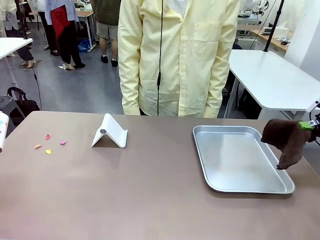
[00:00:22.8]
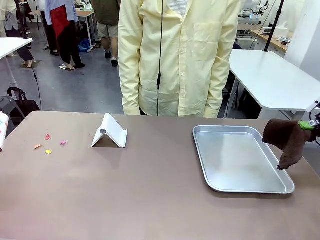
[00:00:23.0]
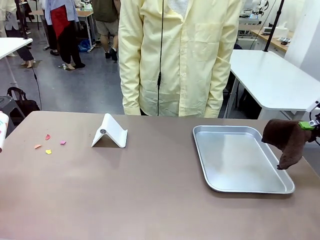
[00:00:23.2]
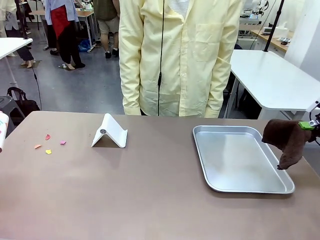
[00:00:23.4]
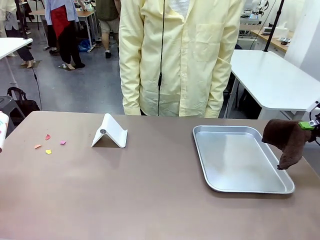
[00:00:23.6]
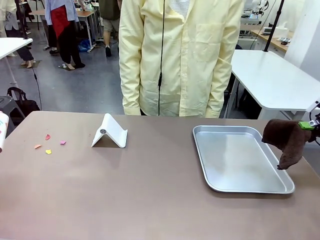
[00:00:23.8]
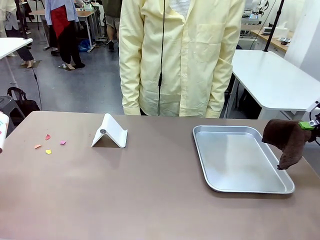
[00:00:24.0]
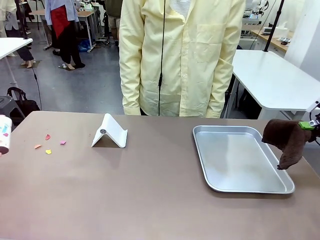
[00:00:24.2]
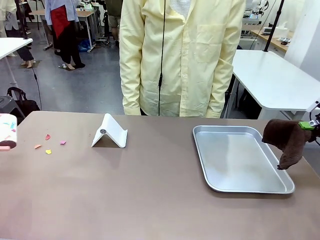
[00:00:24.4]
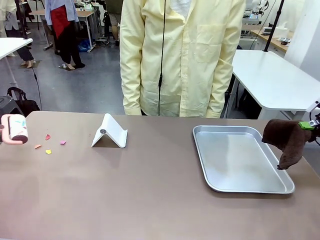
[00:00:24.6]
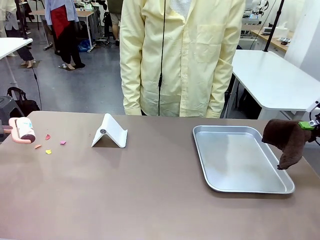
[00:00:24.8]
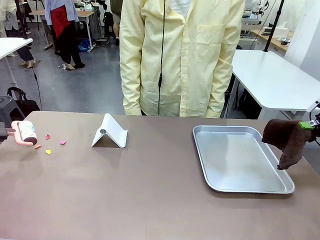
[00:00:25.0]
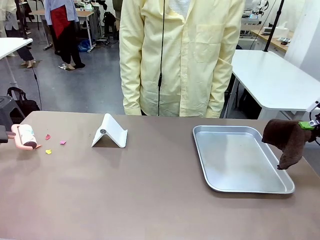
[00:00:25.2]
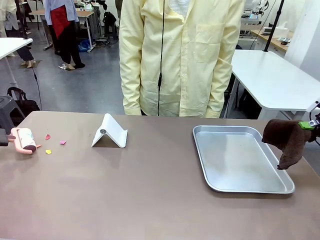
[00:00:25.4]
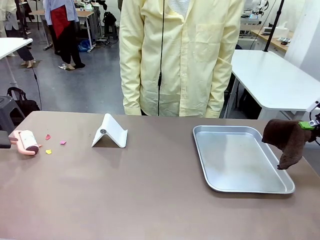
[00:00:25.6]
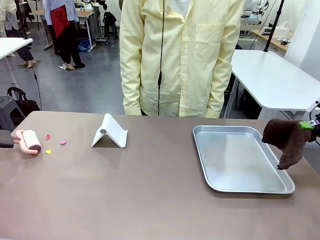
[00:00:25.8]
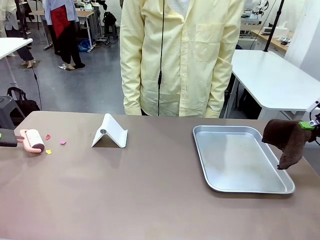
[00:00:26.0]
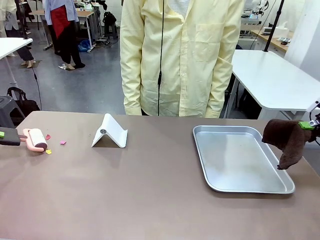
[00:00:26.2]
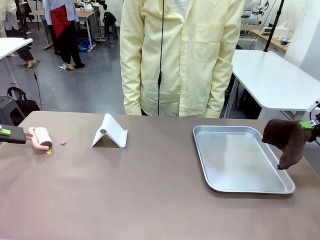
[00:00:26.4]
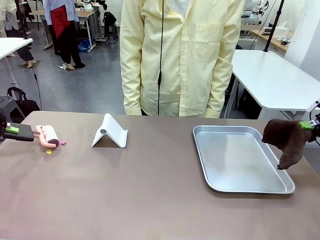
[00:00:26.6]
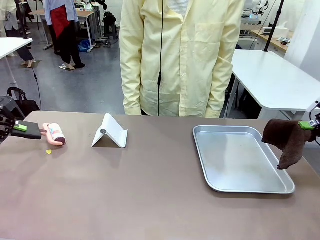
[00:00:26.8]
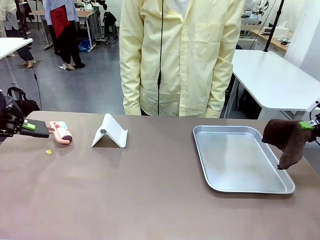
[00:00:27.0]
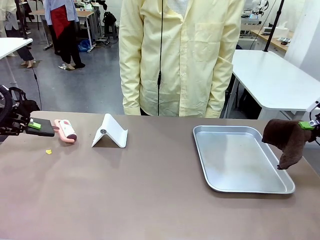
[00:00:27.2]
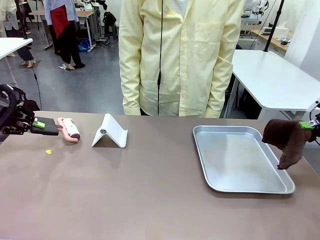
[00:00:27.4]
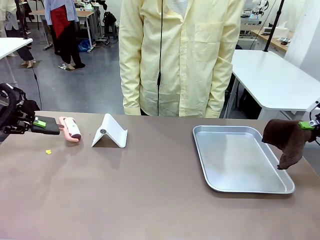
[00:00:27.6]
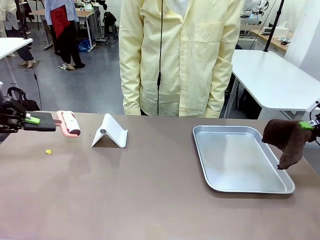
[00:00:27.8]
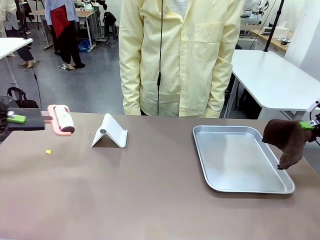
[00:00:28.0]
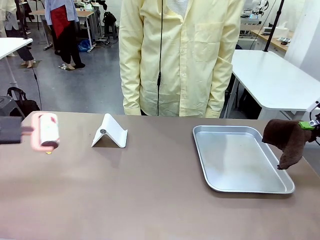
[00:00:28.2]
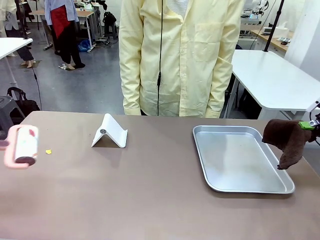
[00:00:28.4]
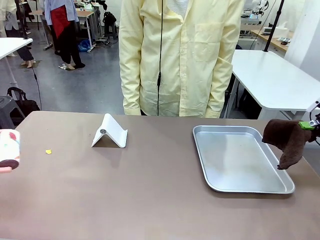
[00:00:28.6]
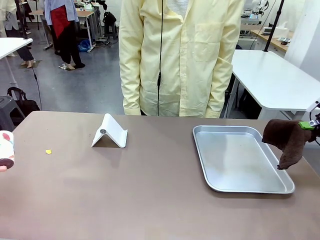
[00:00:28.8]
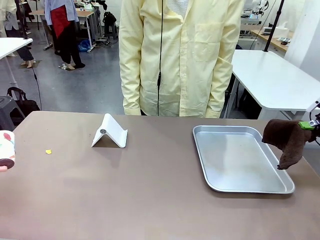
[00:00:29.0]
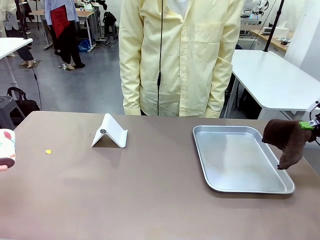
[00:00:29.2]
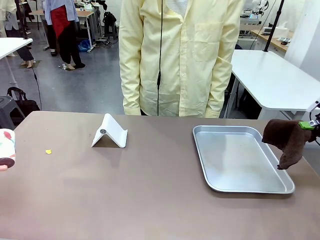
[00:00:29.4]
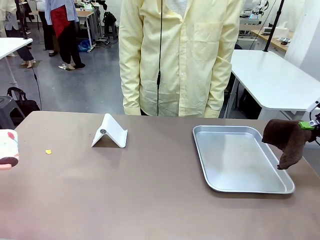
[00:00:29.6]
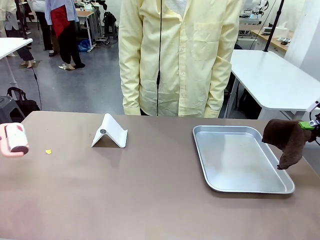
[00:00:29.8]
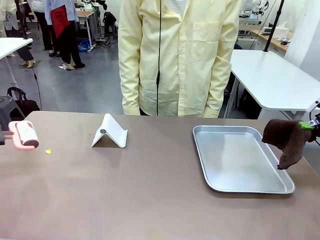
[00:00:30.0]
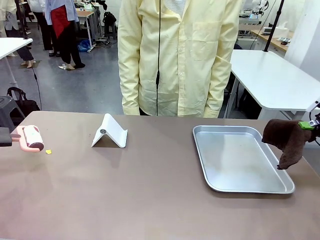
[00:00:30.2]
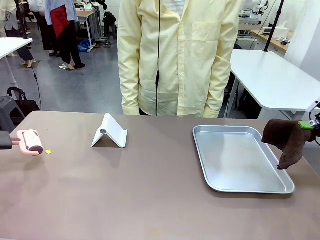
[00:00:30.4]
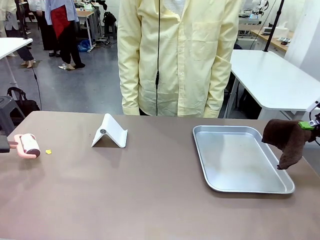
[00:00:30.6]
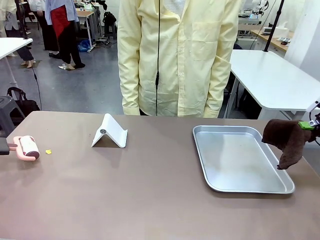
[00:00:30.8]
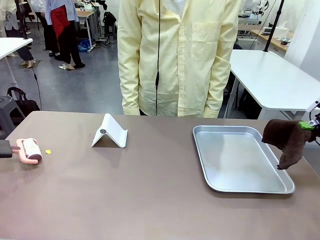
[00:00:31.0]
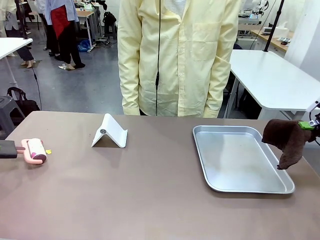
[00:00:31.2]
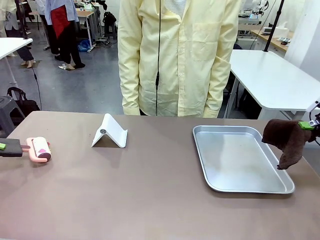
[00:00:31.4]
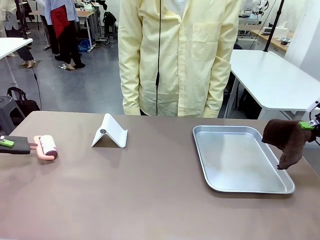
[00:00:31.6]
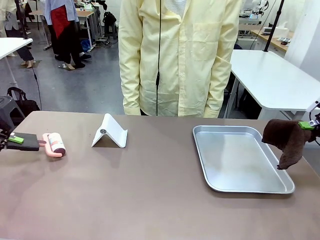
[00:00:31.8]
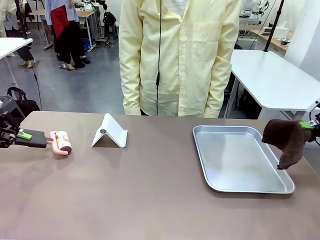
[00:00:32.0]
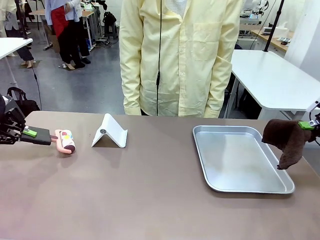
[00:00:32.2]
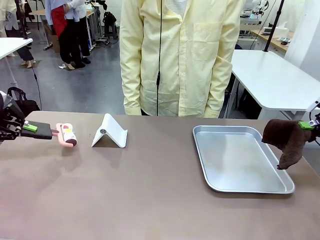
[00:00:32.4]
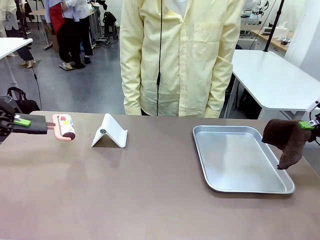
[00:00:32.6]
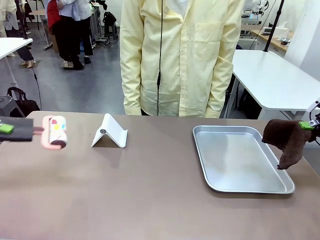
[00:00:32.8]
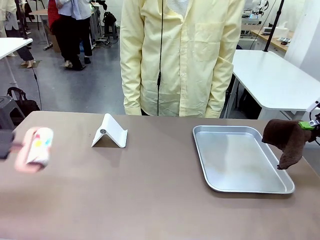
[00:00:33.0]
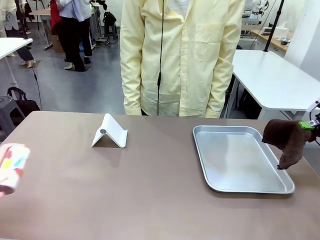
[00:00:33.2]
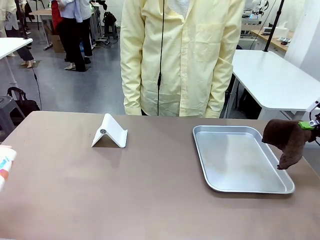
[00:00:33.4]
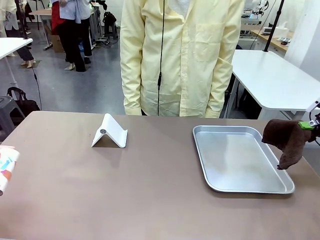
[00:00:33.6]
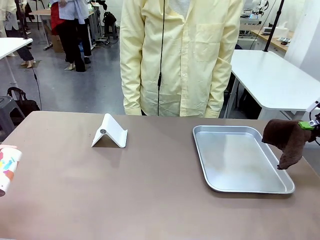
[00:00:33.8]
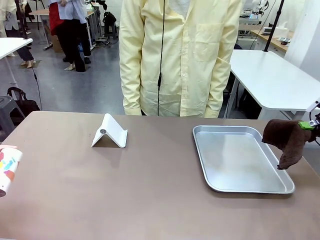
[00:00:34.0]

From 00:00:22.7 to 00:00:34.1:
Task: Clean the surface of the table.
Robot: Clean the area not pointed to by the person.

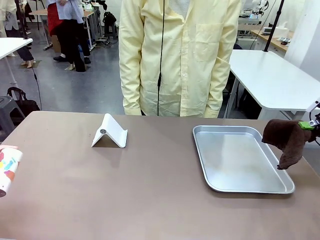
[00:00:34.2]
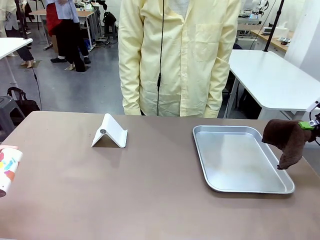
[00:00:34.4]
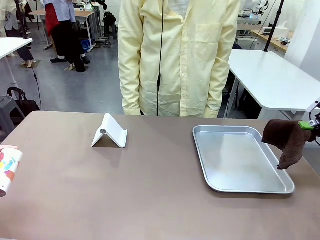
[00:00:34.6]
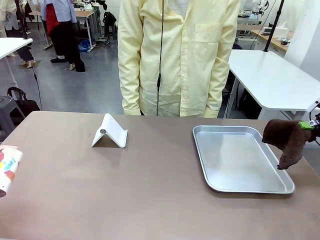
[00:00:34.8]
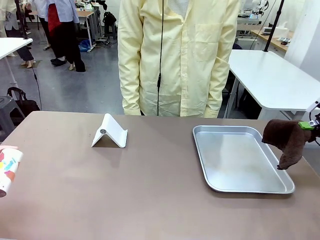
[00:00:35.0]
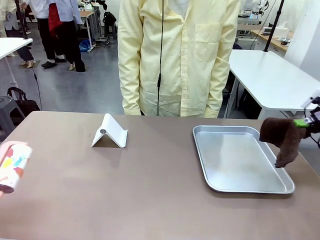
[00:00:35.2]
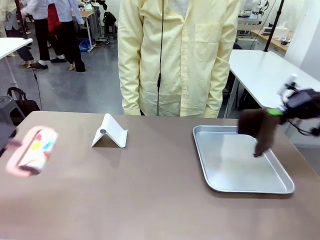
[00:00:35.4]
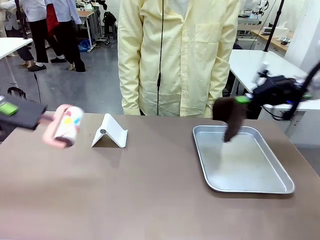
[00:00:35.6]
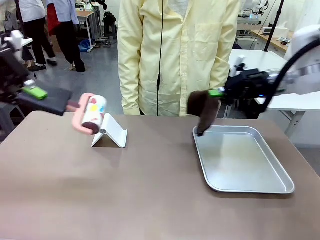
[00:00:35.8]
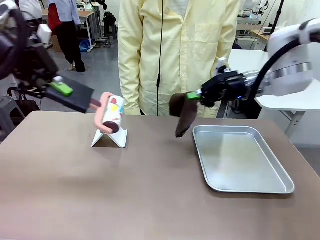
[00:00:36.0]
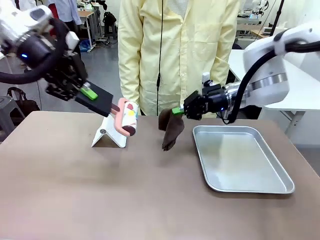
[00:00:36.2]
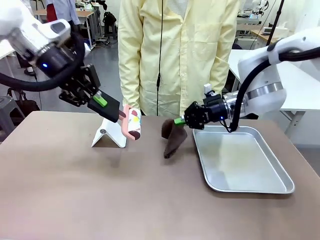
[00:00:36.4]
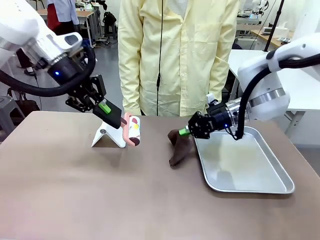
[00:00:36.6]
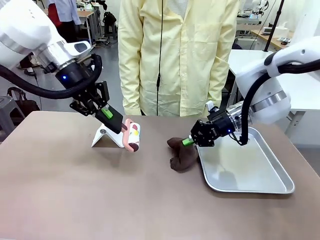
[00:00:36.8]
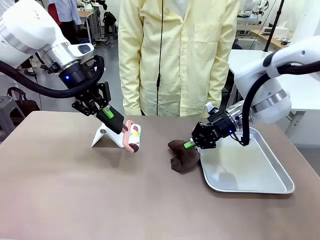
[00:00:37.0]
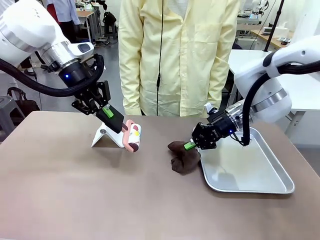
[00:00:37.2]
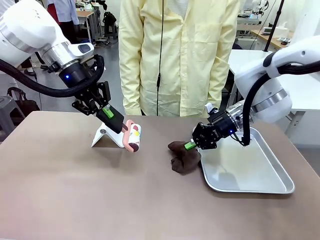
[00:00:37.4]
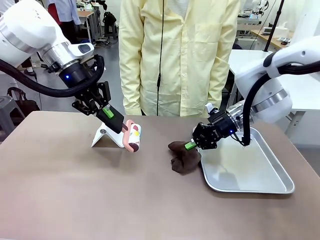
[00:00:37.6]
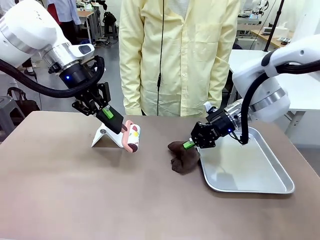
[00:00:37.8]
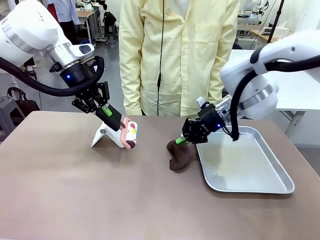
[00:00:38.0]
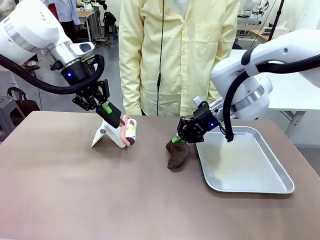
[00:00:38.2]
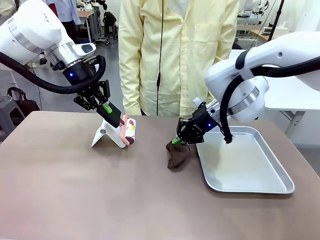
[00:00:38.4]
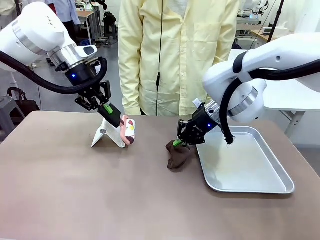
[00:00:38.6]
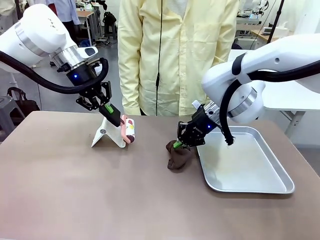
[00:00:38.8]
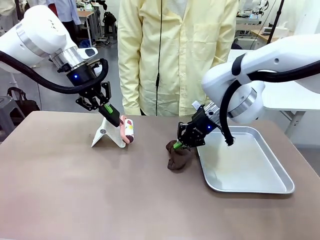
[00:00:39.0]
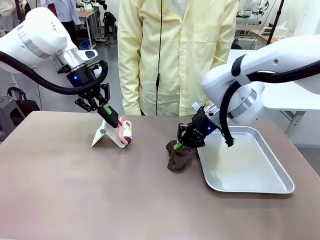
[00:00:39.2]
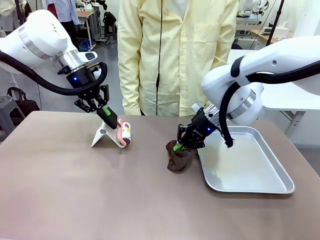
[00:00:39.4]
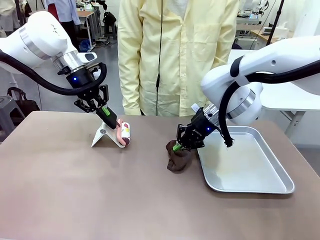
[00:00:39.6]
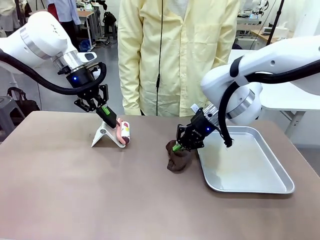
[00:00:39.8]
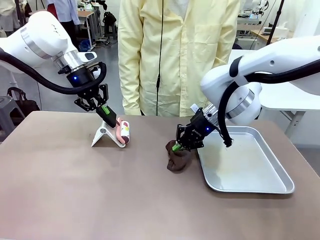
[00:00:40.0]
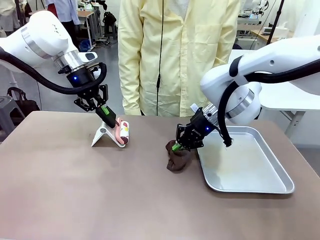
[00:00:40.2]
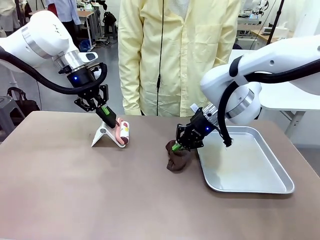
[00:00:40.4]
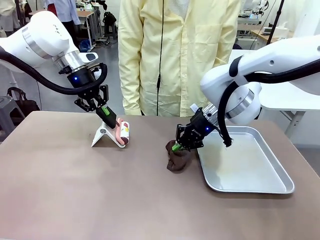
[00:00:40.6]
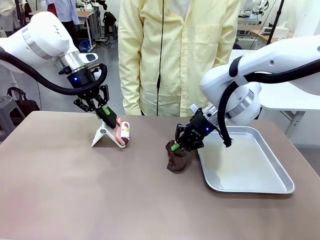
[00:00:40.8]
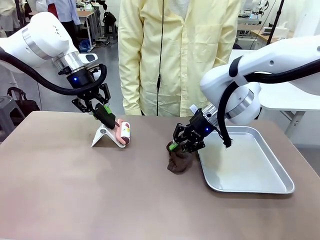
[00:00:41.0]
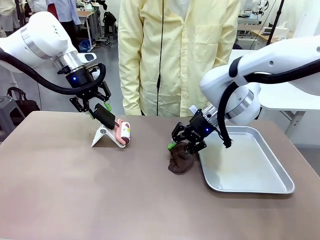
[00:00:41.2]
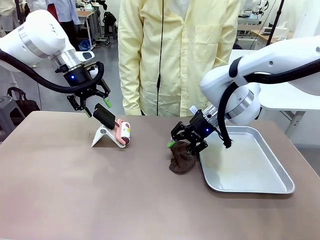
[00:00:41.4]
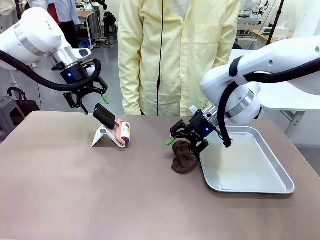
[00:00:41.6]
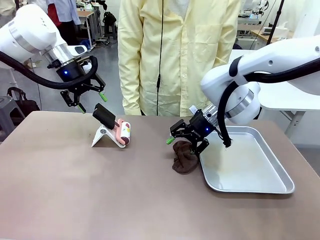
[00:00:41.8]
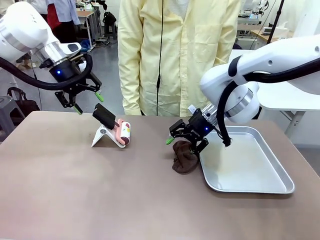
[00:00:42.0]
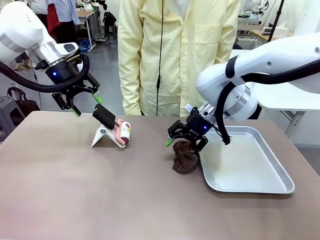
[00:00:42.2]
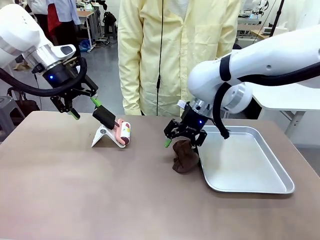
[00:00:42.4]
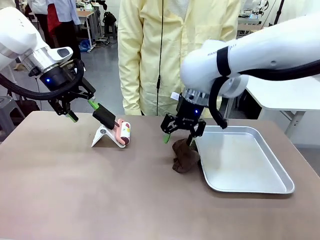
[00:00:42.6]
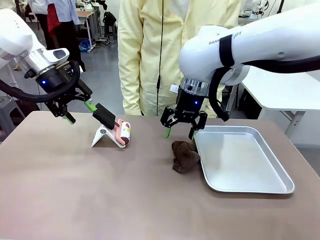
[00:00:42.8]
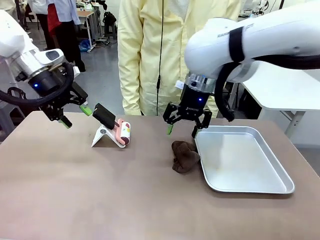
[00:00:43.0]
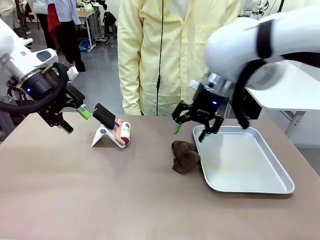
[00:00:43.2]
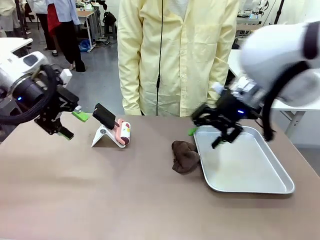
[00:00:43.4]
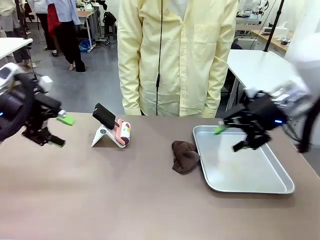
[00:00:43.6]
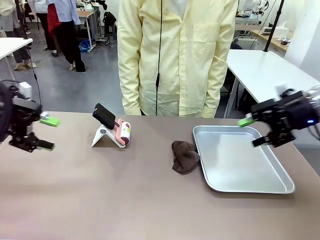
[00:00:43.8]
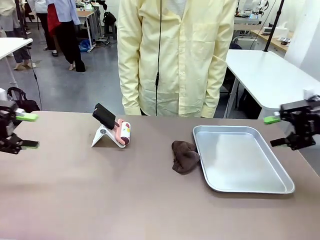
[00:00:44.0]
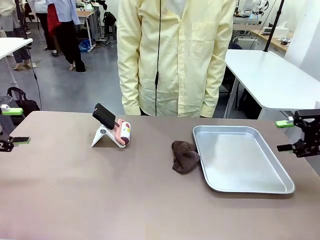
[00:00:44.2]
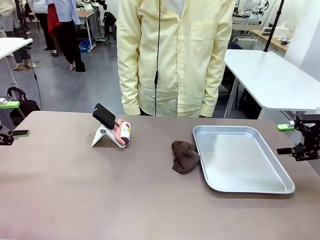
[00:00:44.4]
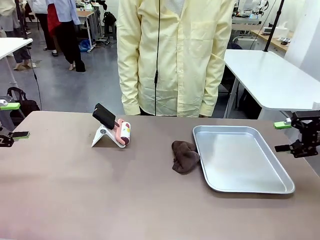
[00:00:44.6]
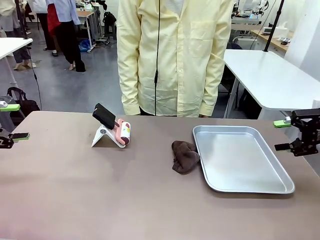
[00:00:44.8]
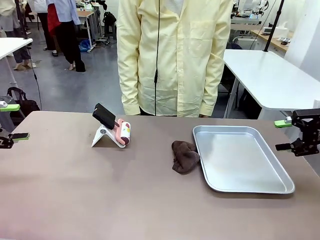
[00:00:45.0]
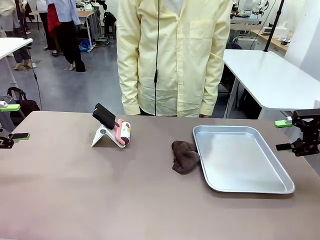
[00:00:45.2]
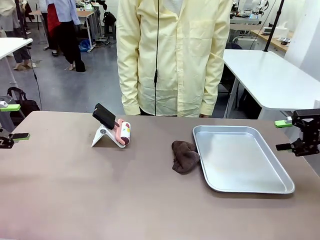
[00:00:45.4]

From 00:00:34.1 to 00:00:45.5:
Robot: Return the Lint Roller and towel to their original positions.
